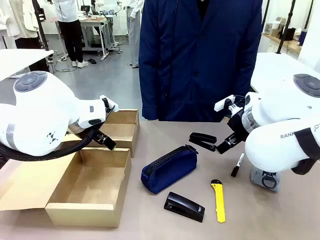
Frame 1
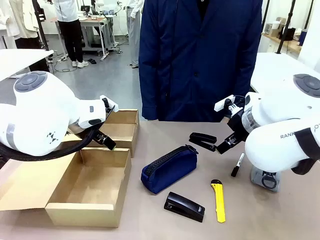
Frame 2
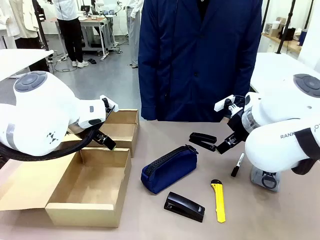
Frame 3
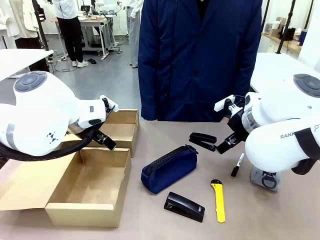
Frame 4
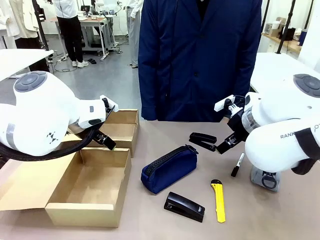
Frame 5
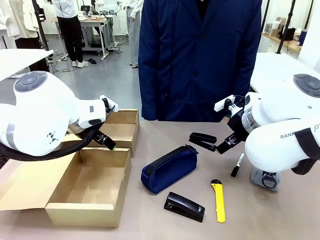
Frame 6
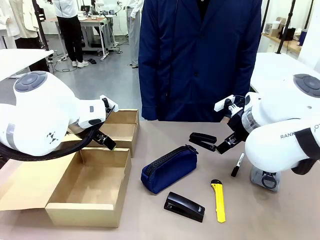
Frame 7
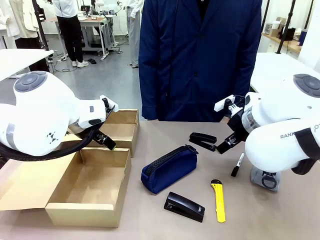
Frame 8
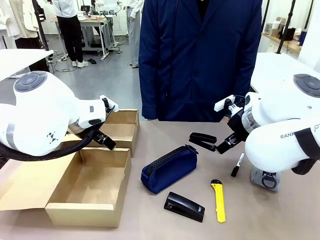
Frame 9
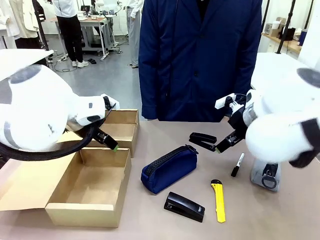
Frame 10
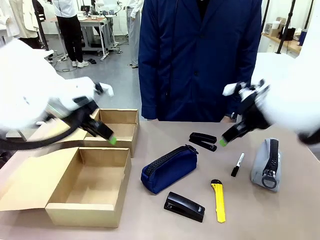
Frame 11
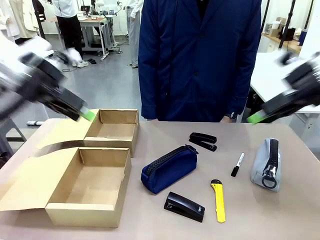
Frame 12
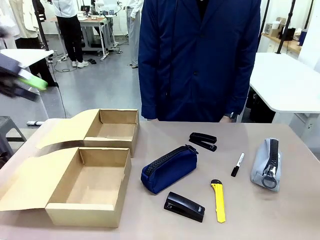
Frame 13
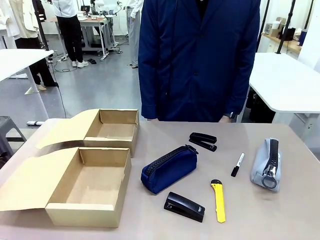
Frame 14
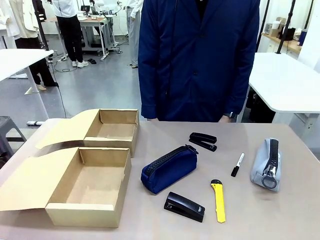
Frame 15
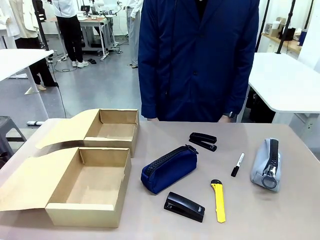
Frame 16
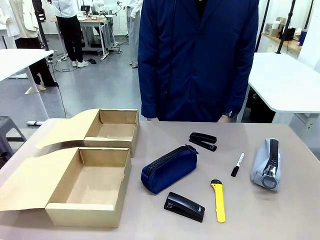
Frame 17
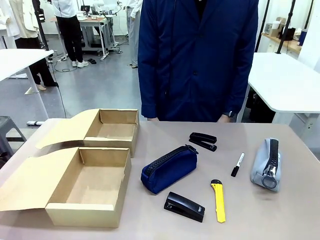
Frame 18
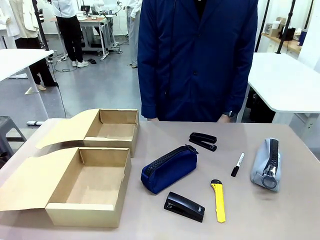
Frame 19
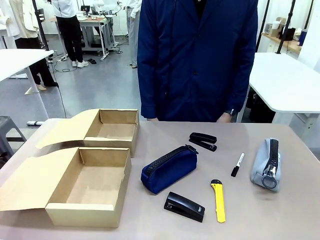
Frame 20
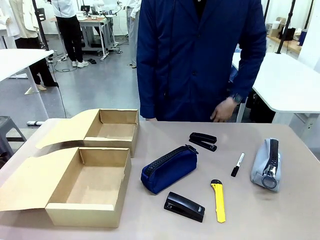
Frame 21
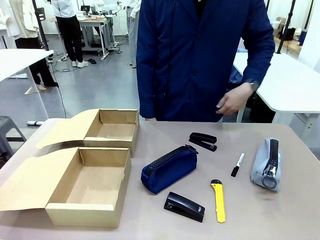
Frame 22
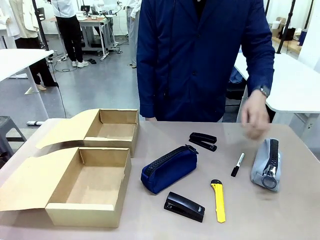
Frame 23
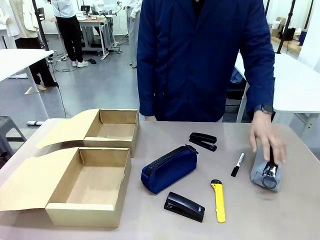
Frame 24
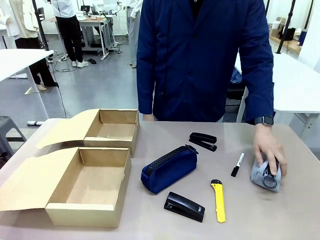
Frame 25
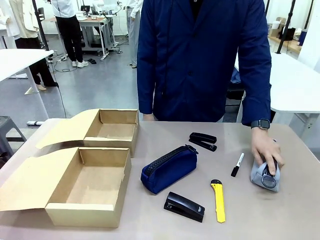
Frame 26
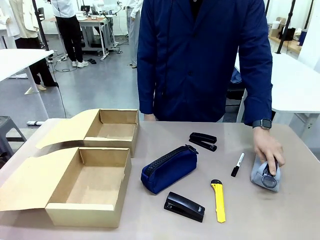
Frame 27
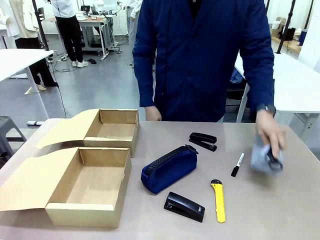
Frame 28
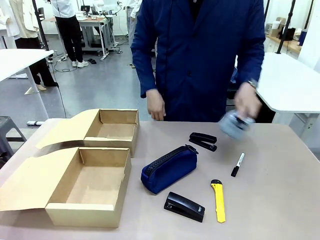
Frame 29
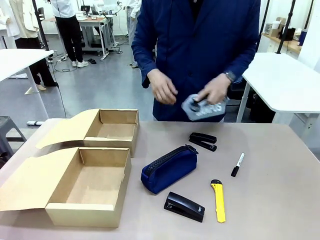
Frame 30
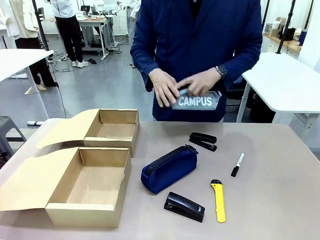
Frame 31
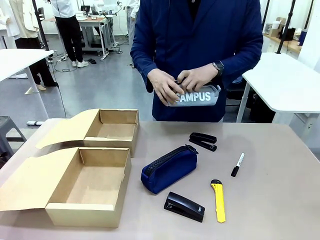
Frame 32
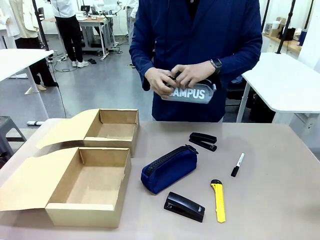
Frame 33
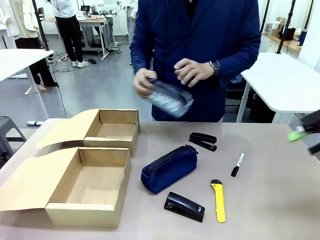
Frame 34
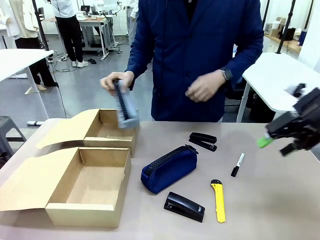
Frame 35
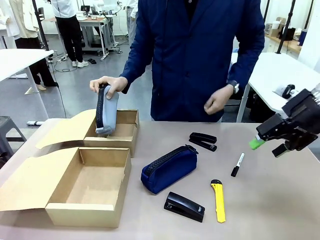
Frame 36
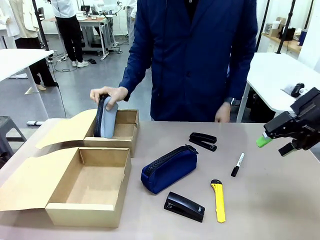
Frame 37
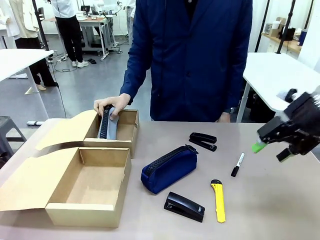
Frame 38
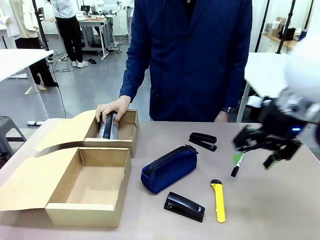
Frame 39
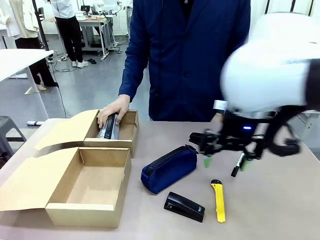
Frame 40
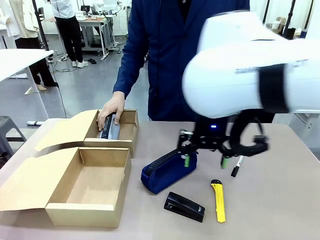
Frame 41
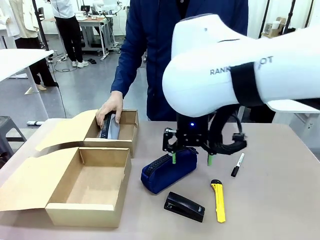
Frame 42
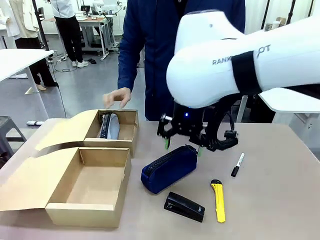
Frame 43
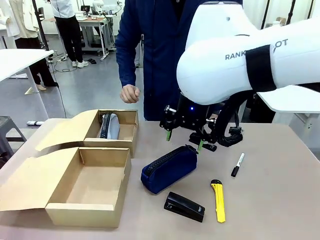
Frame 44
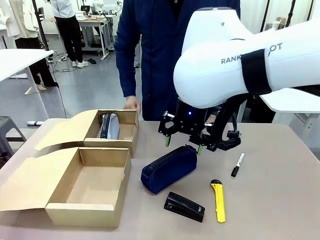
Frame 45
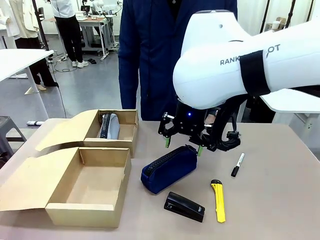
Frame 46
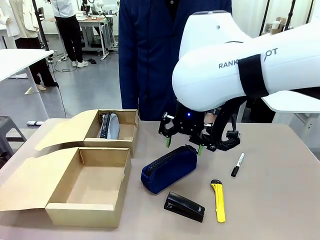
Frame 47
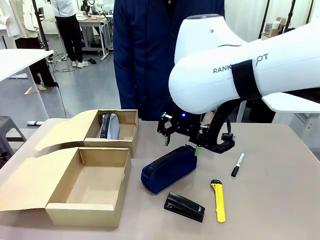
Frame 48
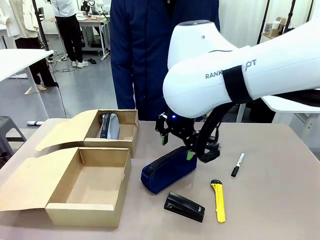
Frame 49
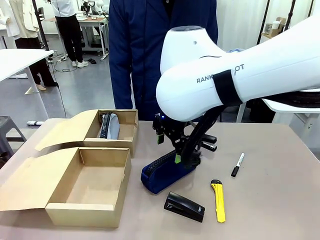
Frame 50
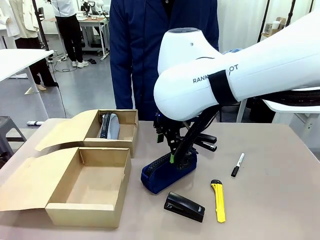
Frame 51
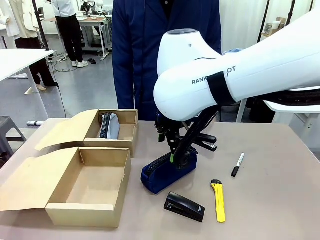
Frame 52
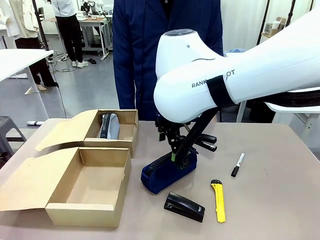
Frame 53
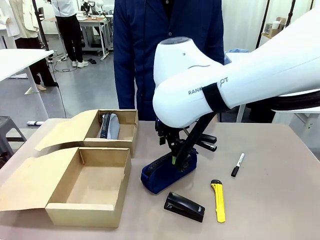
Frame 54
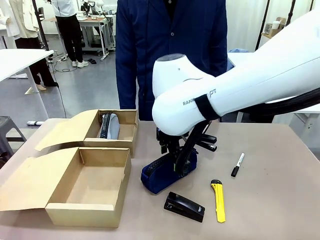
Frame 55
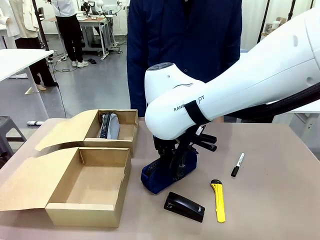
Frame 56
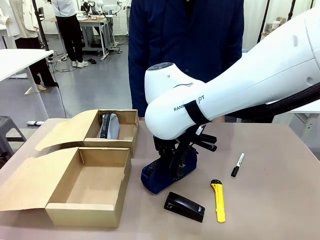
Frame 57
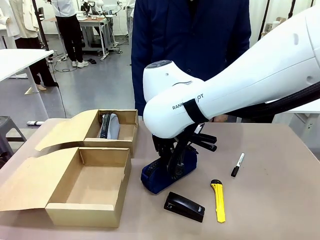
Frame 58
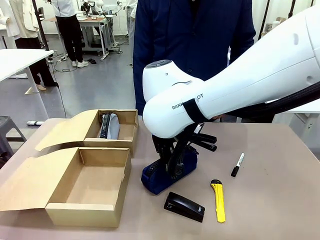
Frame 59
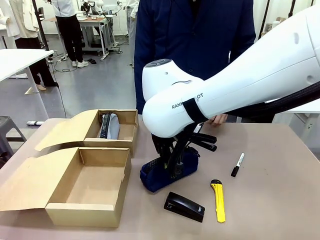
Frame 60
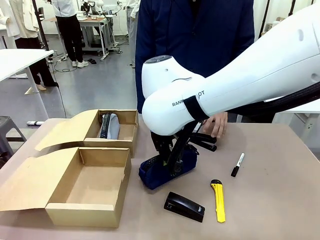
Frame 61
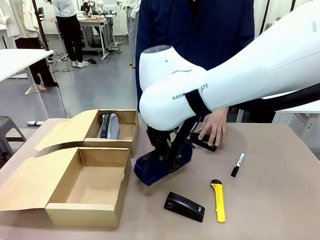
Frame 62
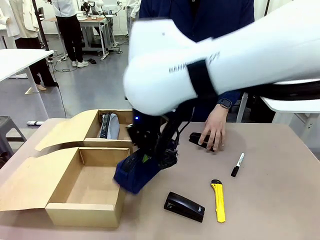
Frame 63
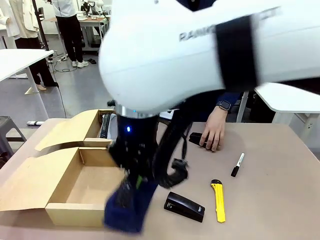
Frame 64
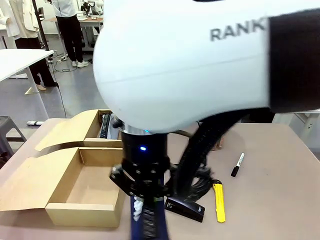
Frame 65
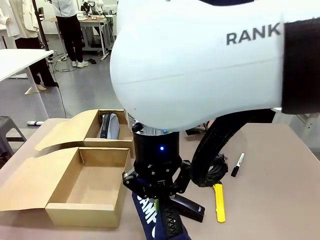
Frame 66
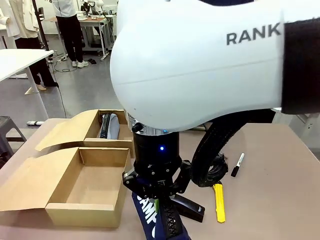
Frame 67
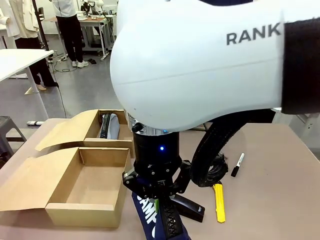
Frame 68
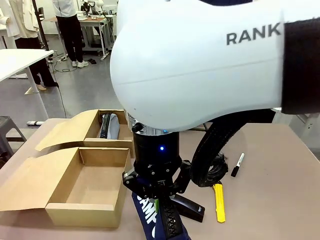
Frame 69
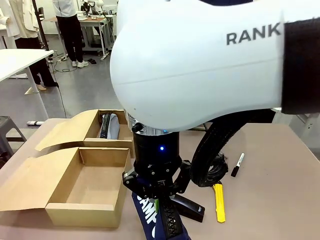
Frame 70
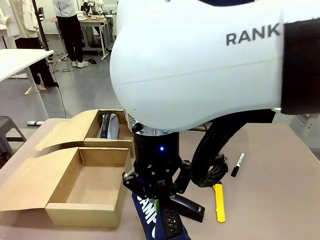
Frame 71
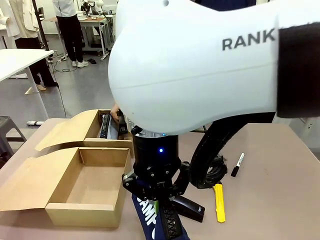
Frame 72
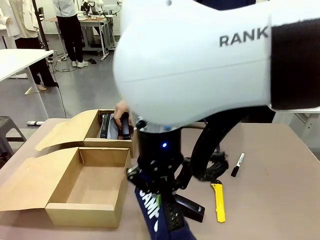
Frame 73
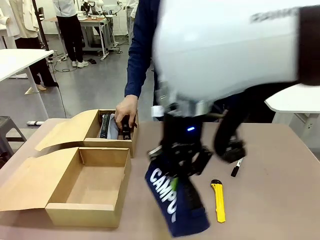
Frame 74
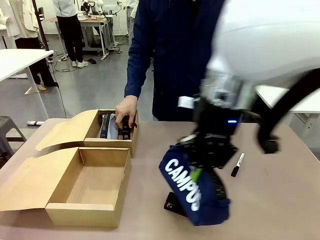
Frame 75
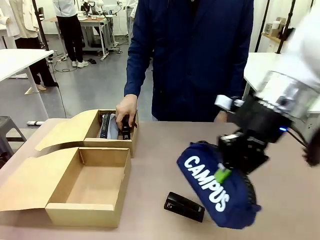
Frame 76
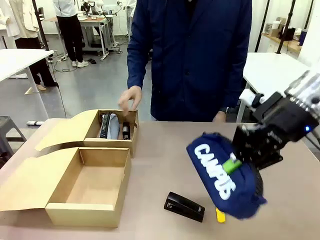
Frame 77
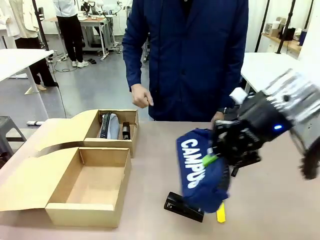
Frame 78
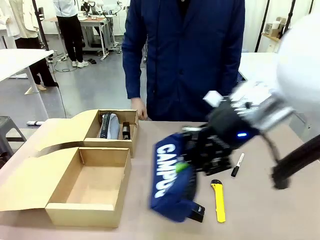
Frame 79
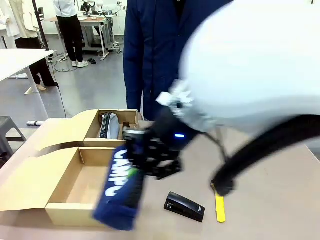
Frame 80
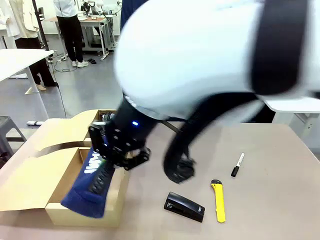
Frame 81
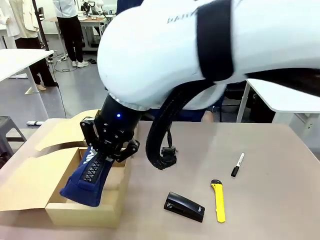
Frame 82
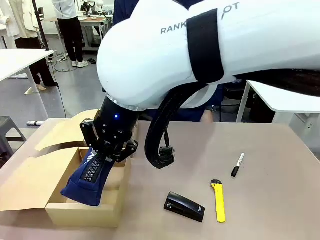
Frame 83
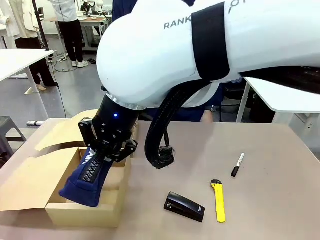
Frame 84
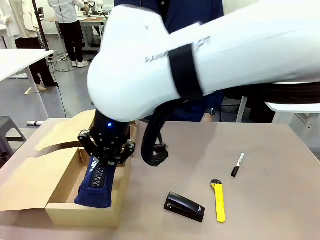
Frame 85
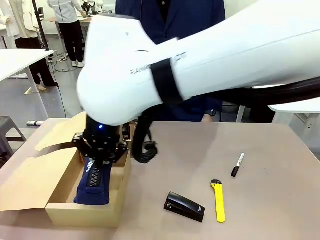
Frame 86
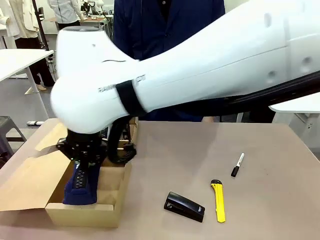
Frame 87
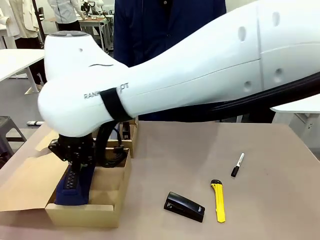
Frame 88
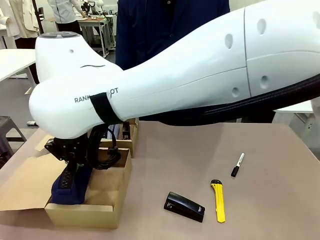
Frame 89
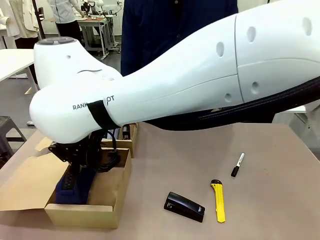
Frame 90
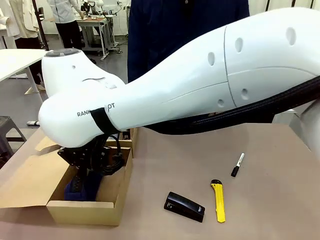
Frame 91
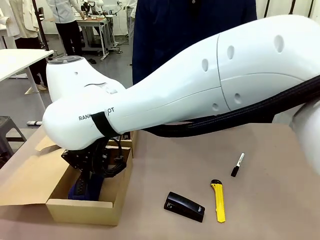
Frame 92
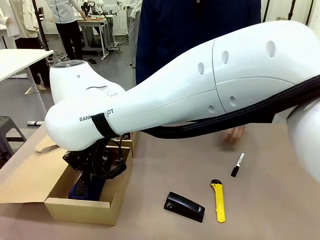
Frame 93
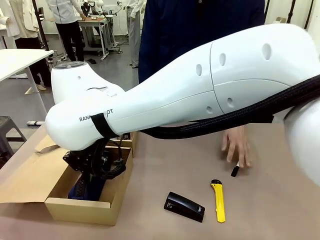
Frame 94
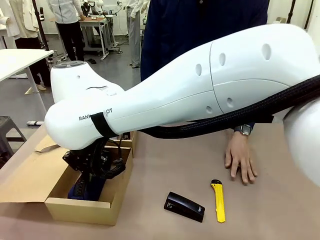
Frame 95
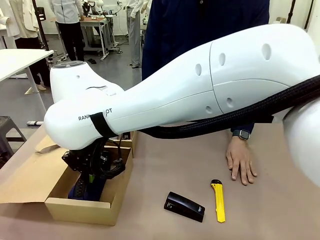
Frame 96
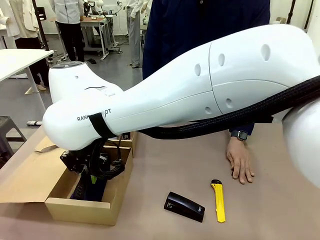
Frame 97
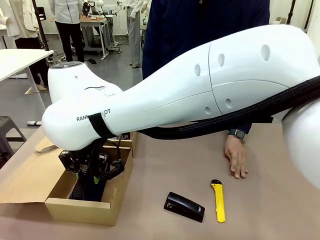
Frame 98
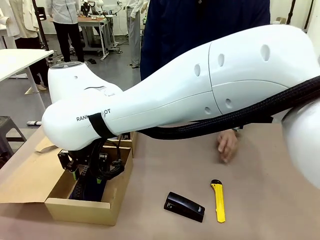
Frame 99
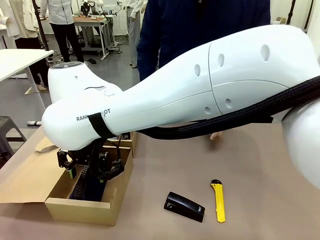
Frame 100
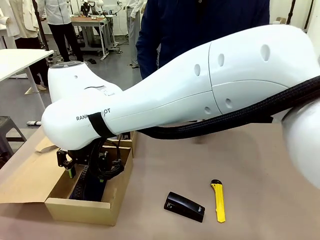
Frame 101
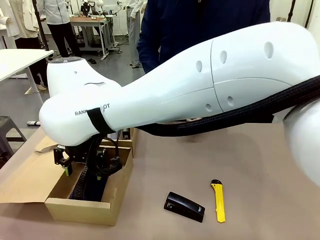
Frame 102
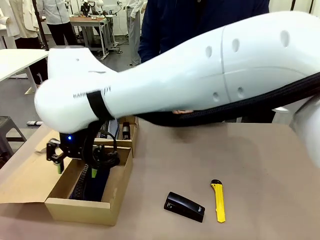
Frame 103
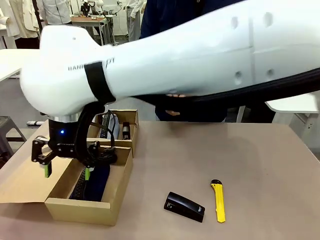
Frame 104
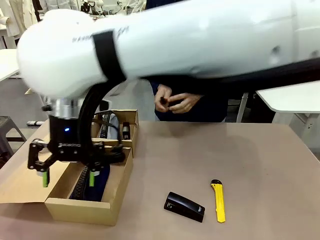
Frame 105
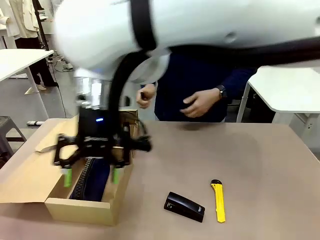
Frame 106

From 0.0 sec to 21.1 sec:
Task: Place items inside the box.
Robot: Pick up a Pencil pouch or Stapler and place it inside the Mailer Box closest to the robot.
Person: Pick up an object on the table and put it in the box.
